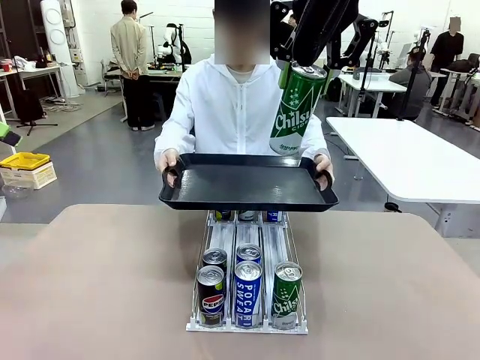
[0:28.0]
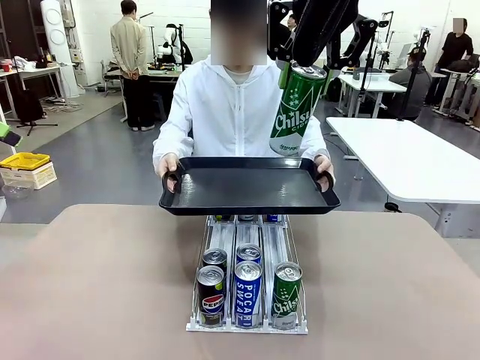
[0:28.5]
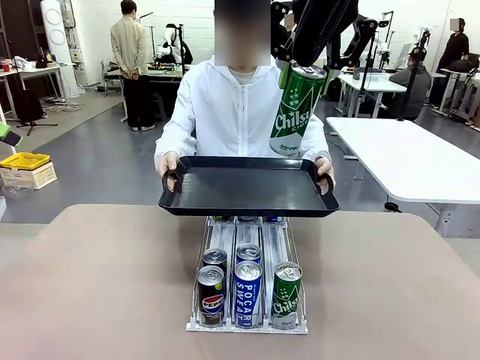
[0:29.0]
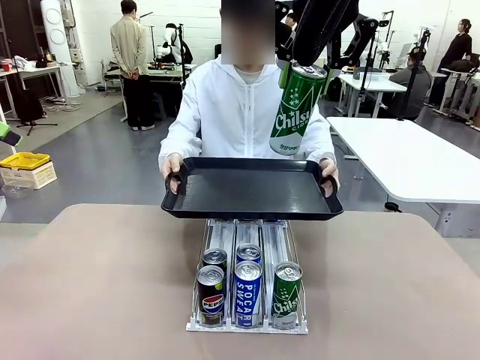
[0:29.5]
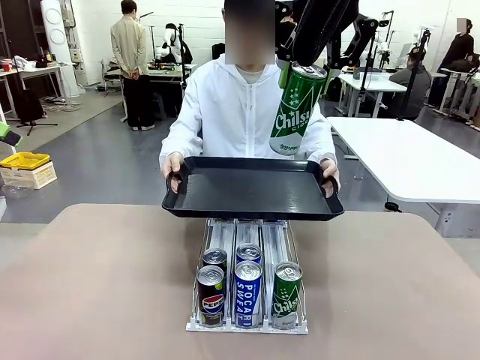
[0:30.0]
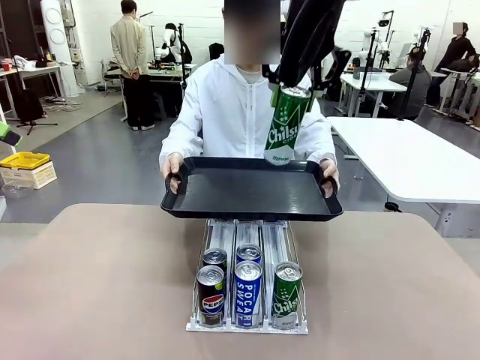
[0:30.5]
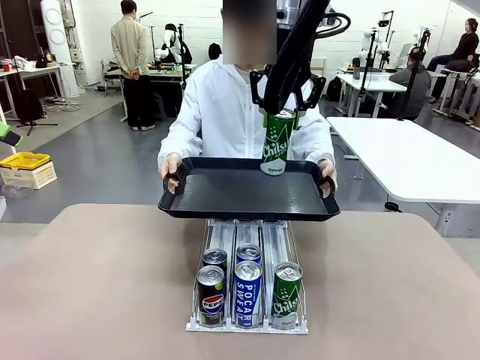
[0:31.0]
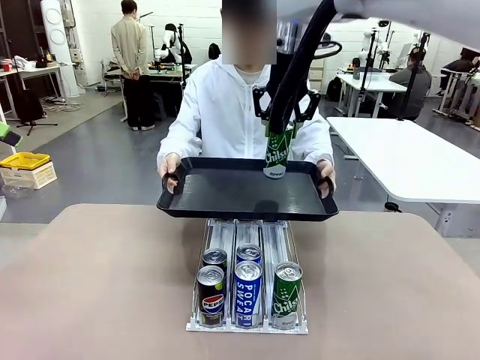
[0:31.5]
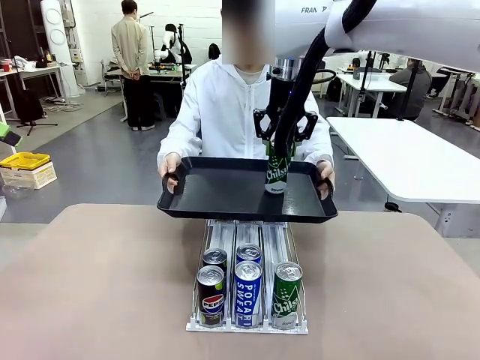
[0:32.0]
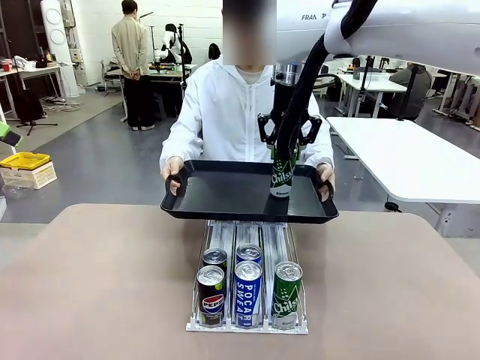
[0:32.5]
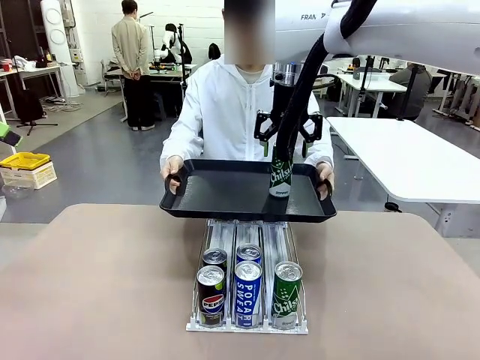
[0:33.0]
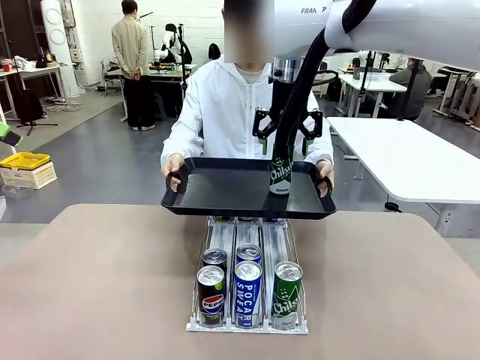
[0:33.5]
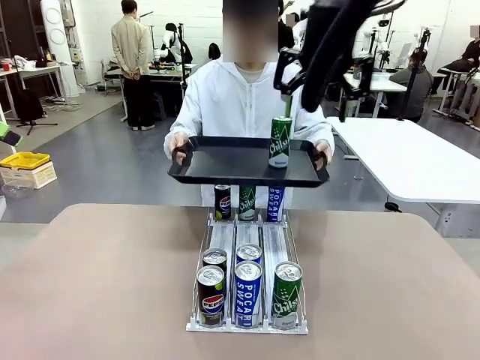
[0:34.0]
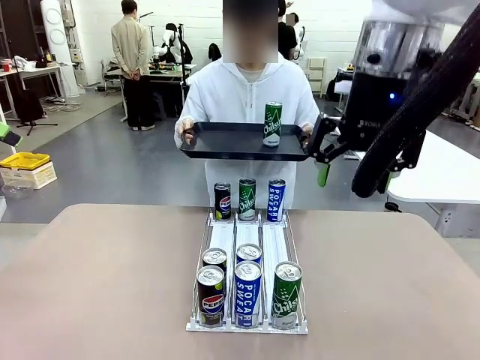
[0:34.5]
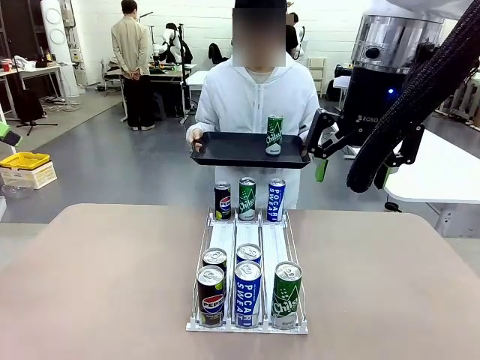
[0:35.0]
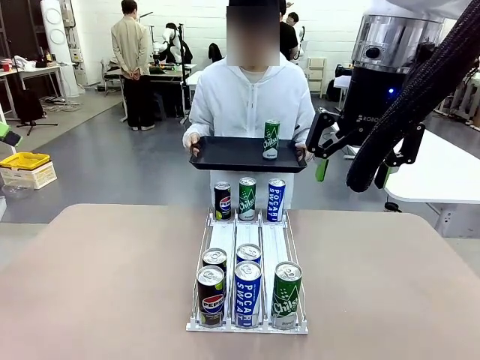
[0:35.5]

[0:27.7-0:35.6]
Task: Retrieve and hand over the desired beverage to the person.
Robot: Place the picked can on the Handle tray extended by the person.
Person: Pull the tray back, then pick up another can from the bottom area of the table and puts it back in its original place.

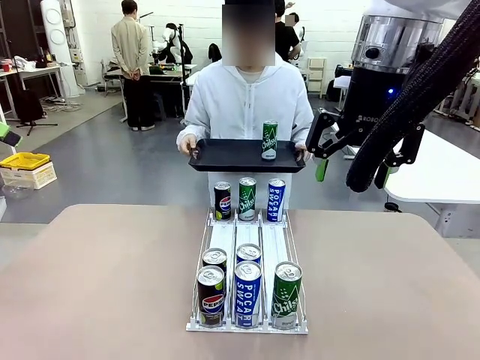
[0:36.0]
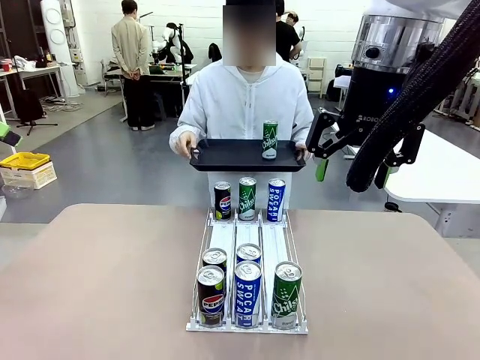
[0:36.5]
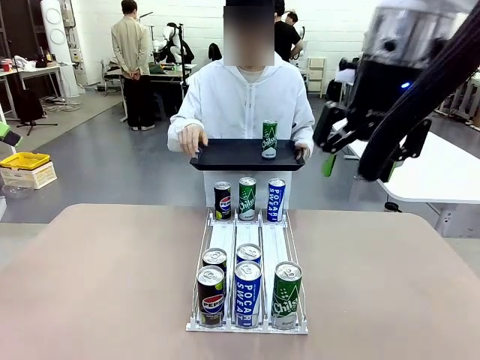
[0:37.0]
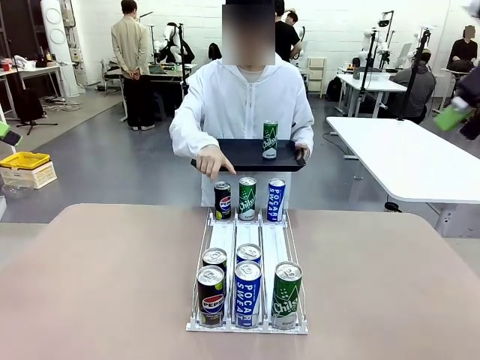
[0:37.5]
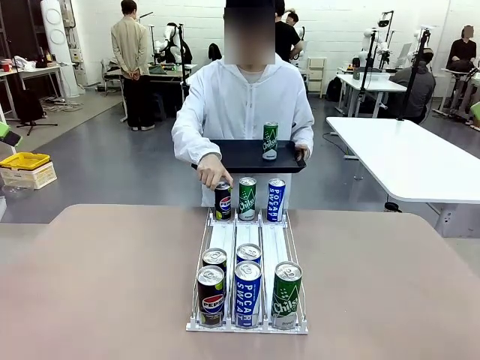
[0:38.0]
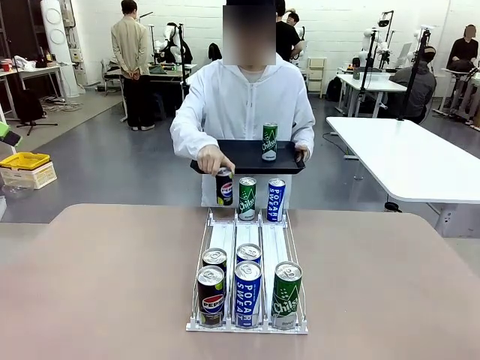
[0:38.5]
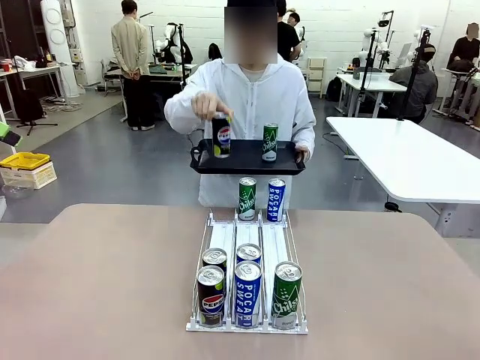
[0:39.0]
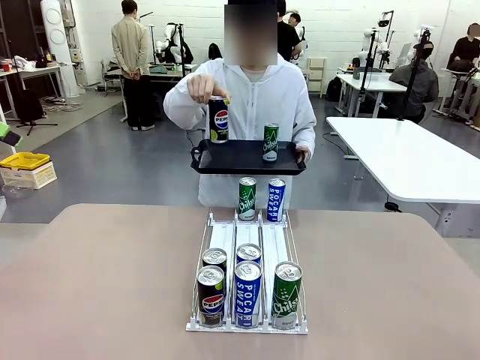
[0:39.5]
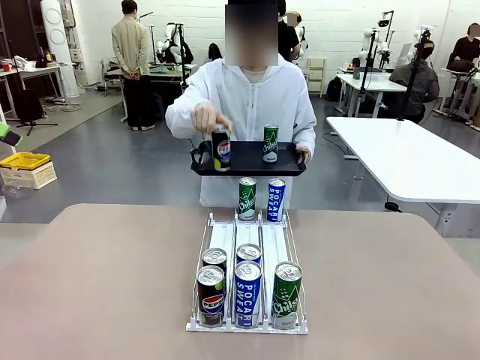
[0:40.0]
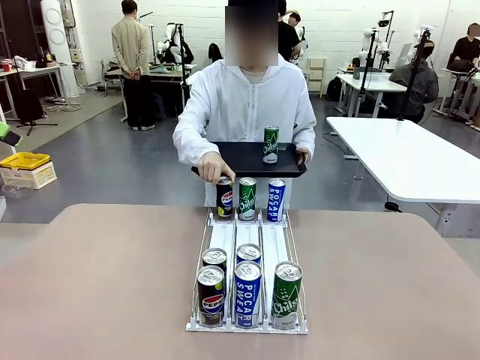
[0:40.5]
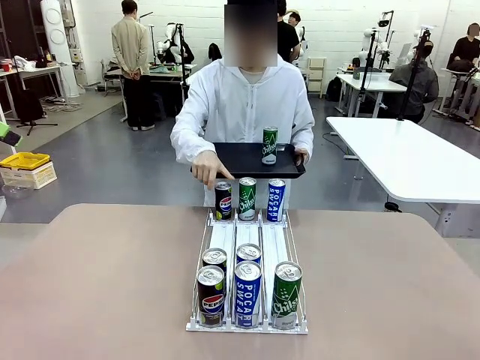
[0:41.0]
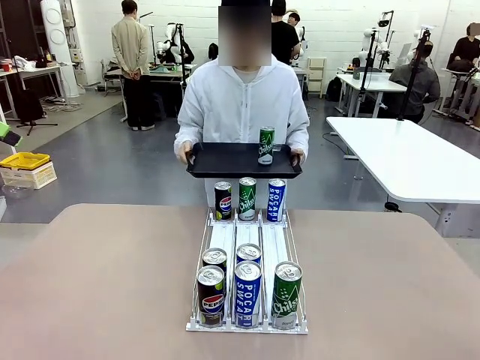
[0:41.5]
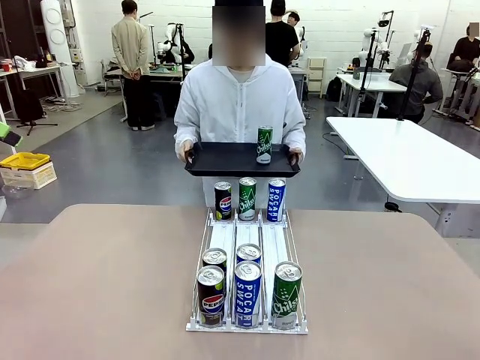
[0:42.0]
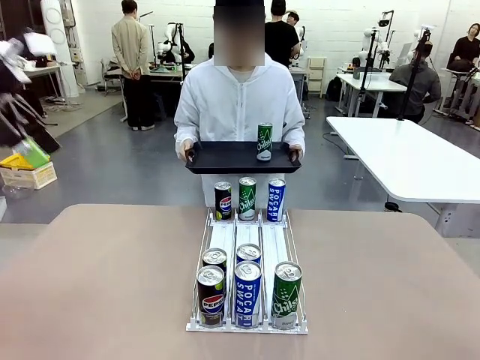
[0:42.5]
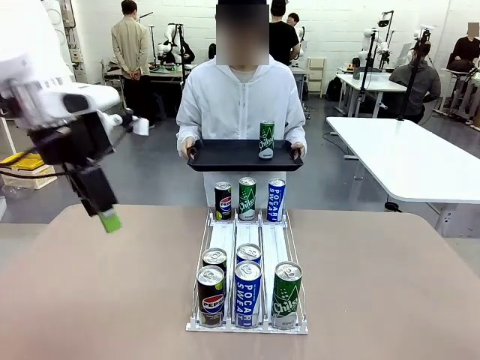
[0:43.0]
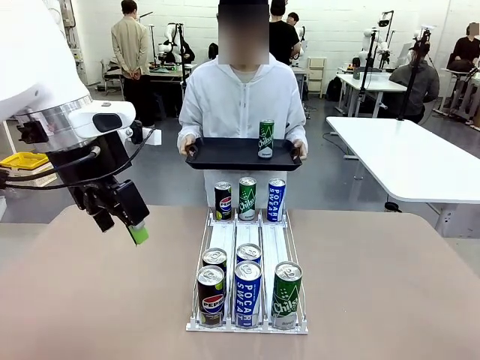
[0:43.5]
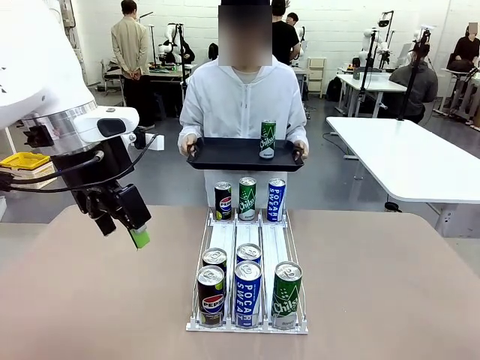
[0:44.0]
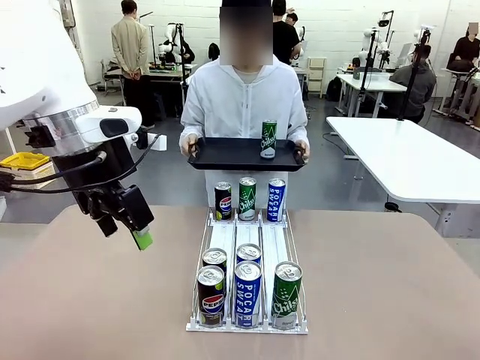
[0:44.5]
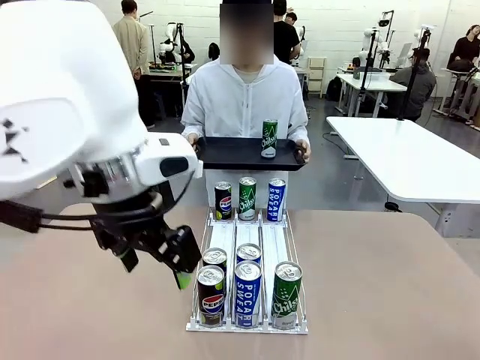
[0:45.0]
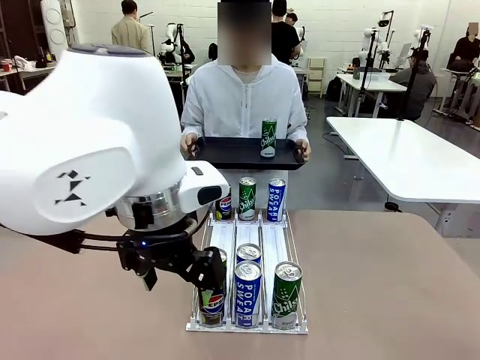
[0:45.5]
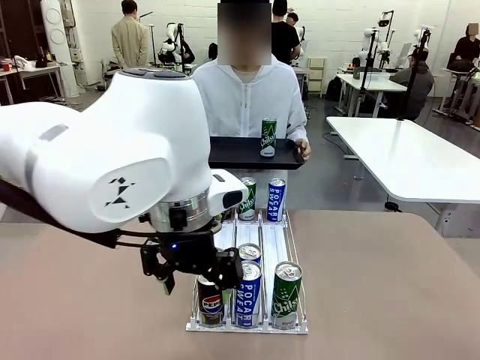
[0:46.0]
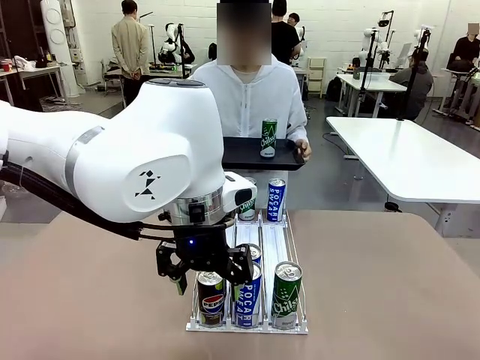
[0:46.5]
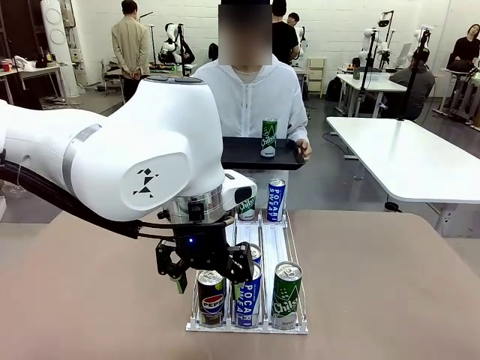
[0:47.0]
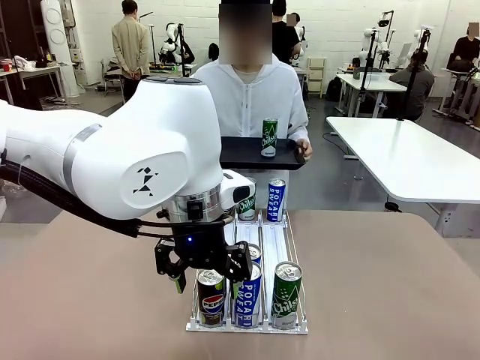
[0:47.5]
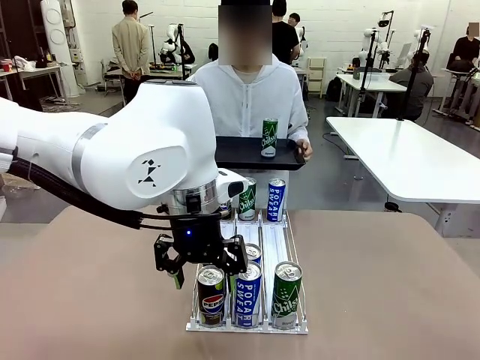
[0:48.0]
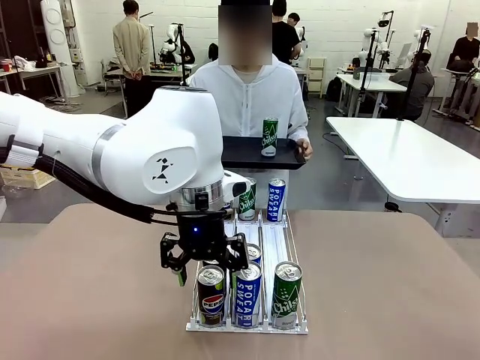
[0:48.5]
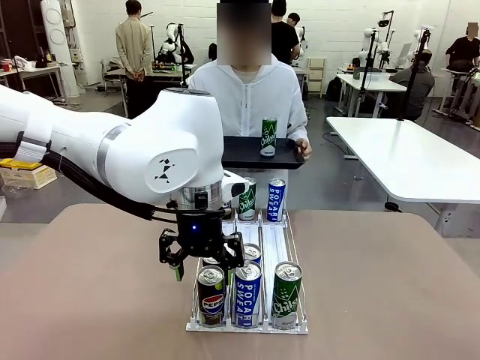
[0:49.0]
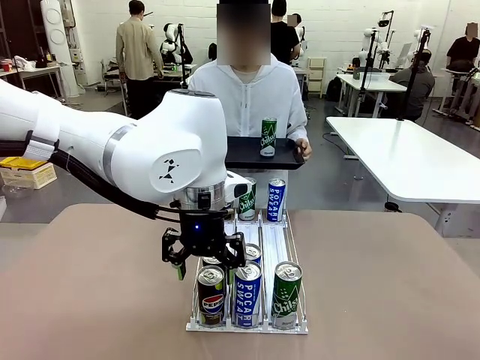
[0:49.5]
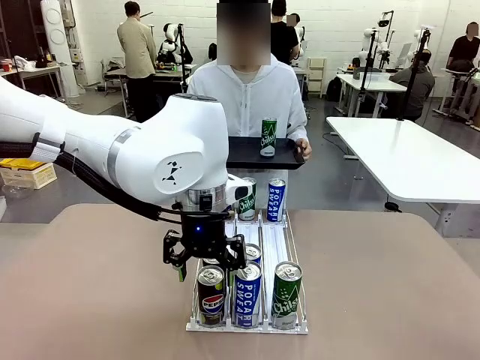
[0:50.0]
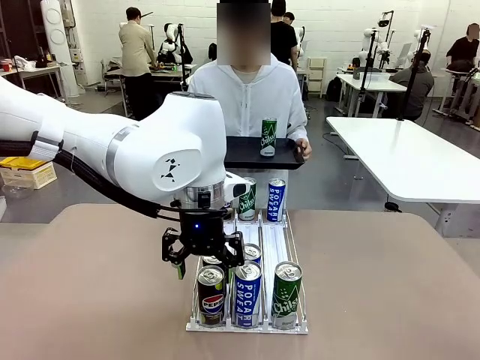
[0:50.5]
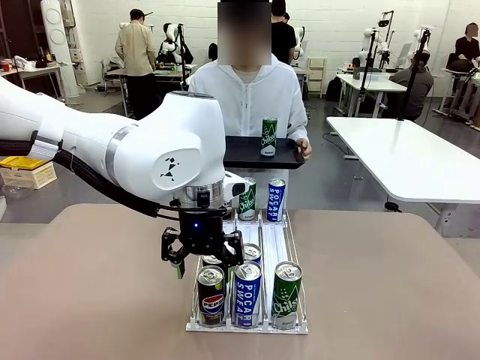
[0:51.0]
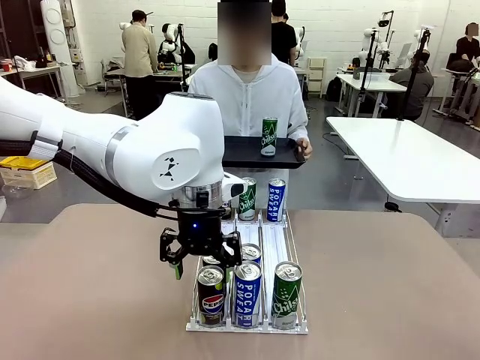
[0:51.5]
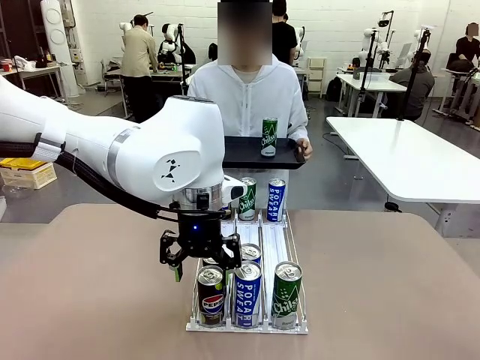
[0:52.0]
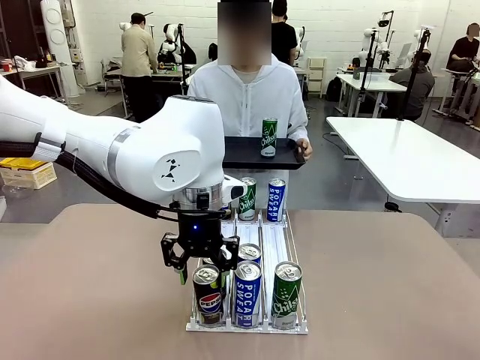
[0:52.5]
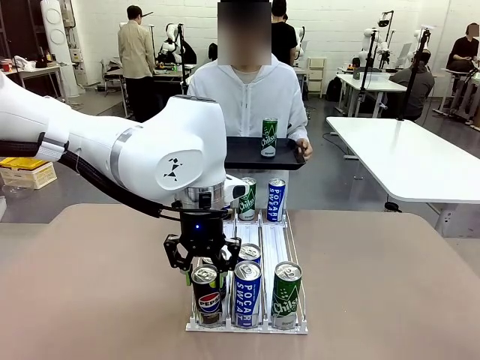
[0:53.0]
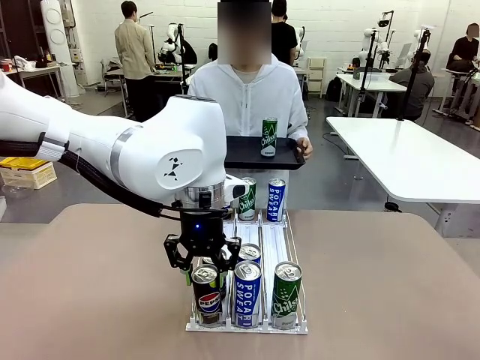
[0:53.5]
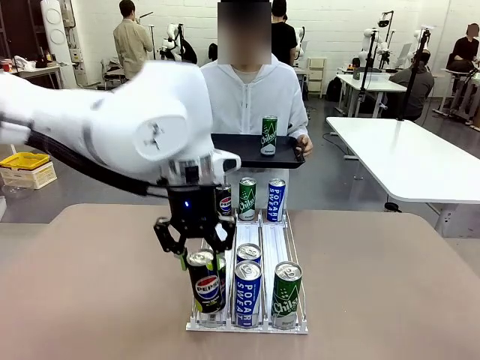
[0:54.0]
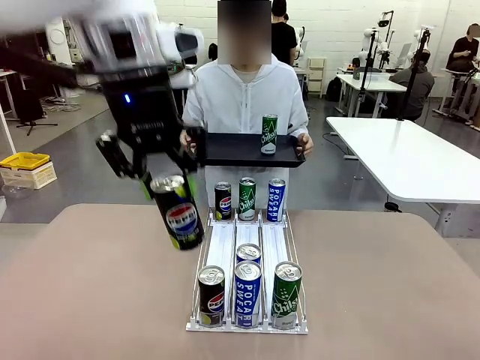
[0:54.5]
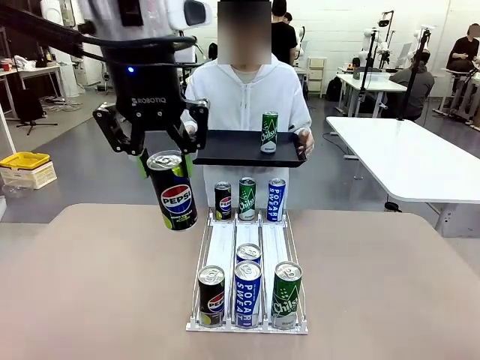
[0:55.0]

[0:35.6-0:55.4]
Robot: Pick up another can of the same type that the person held from the Automatic Can Dispenser.
Person: Push the tray toward the robot again.
